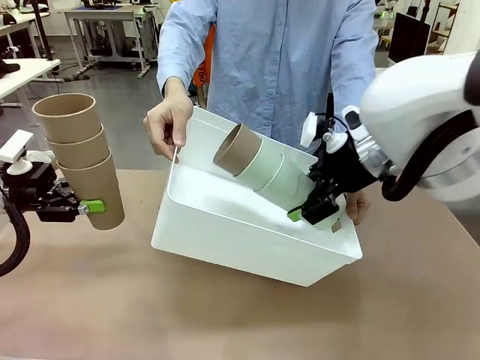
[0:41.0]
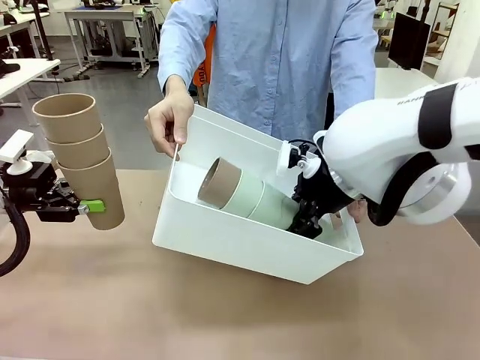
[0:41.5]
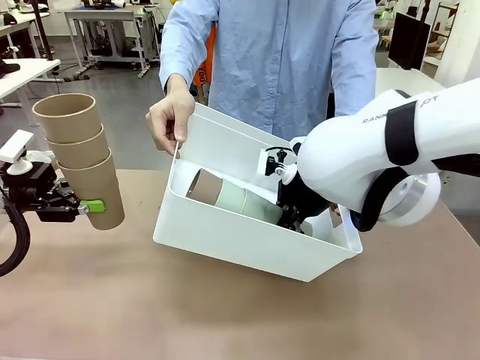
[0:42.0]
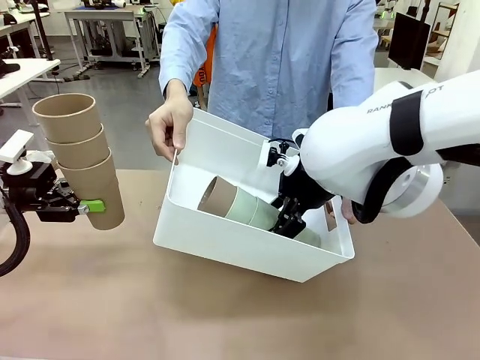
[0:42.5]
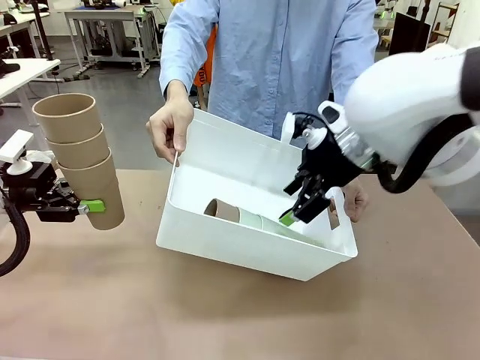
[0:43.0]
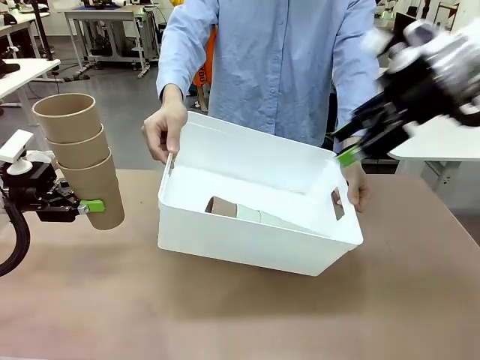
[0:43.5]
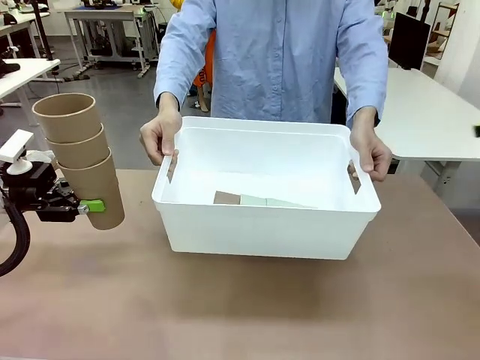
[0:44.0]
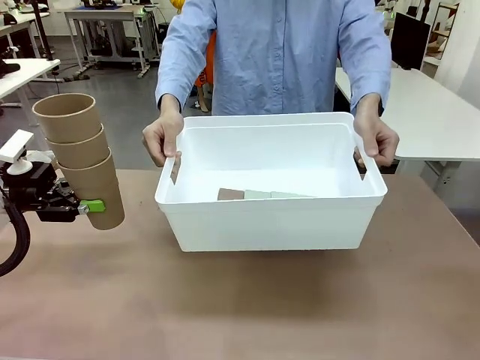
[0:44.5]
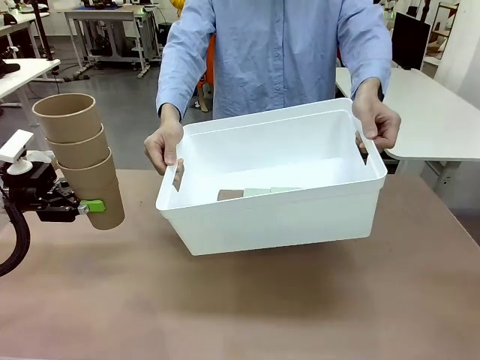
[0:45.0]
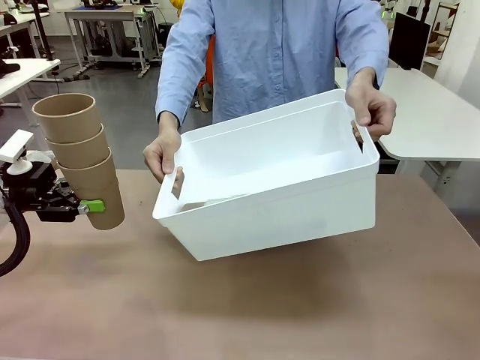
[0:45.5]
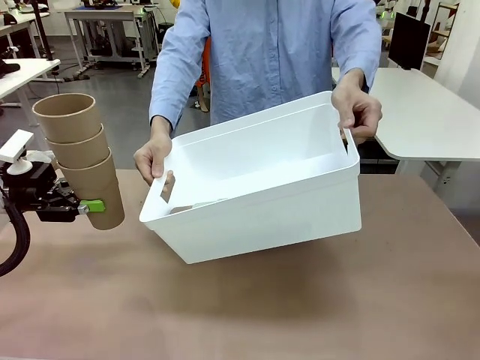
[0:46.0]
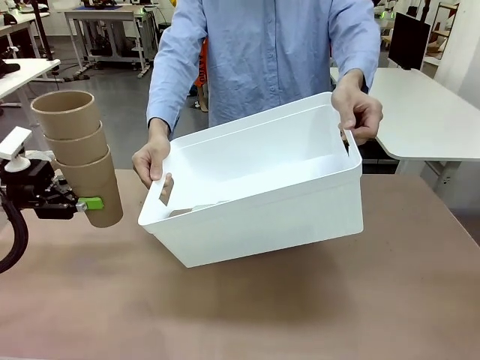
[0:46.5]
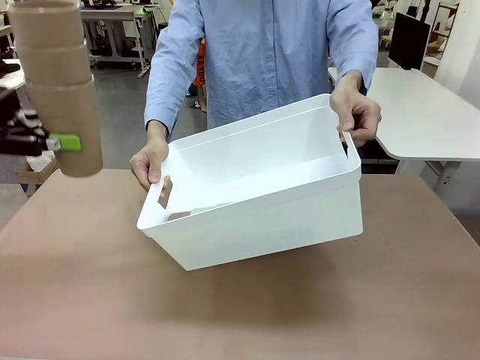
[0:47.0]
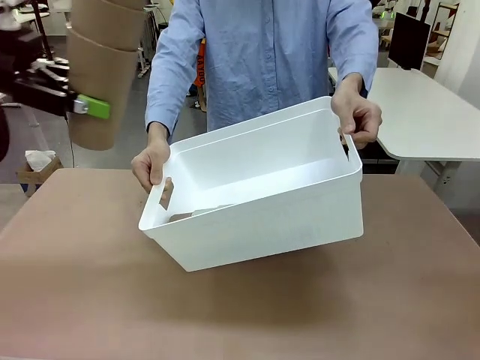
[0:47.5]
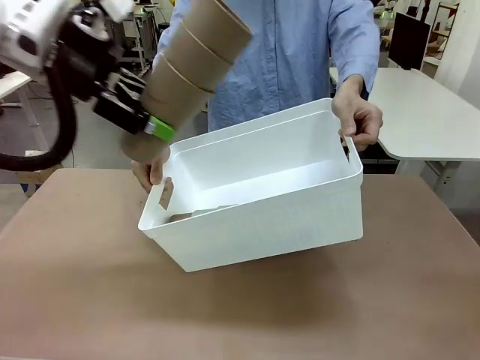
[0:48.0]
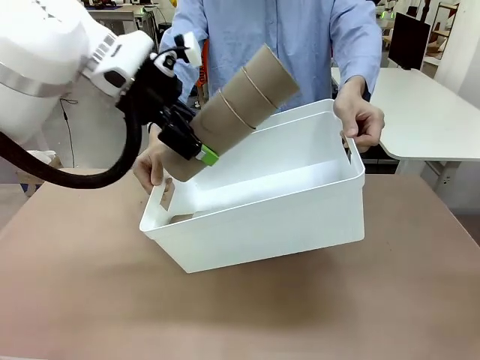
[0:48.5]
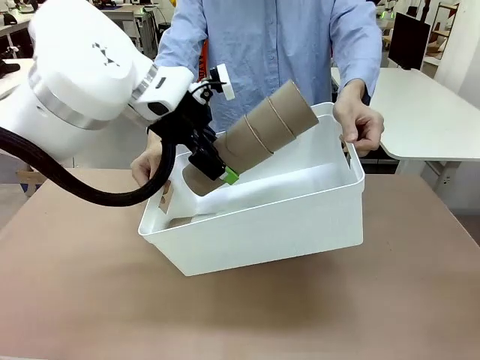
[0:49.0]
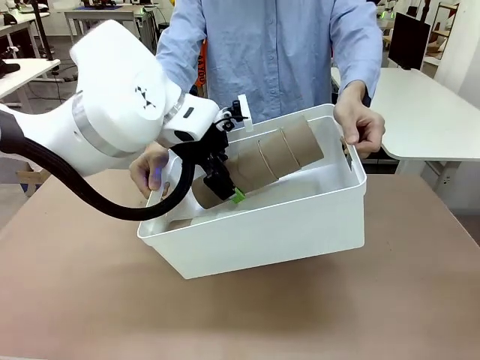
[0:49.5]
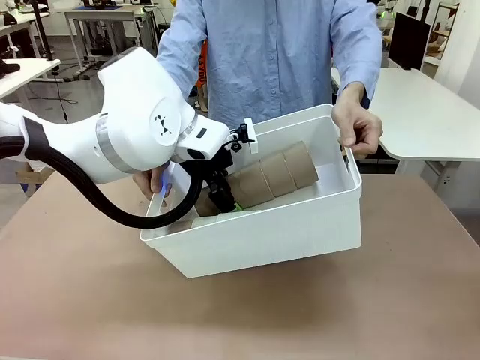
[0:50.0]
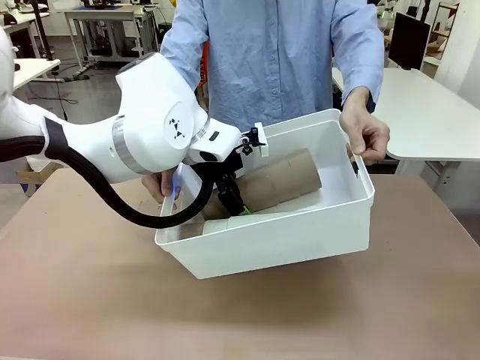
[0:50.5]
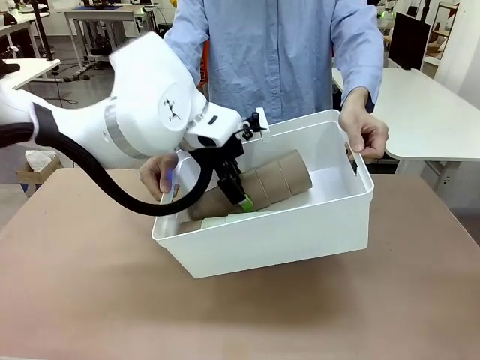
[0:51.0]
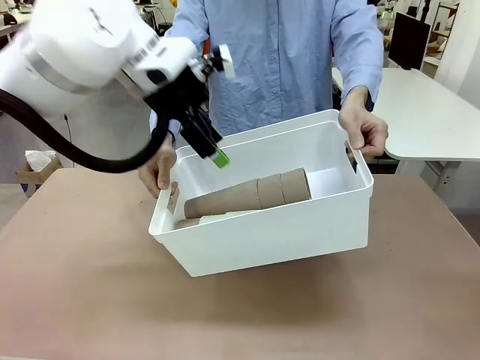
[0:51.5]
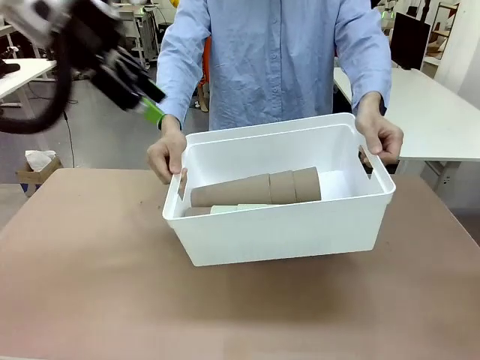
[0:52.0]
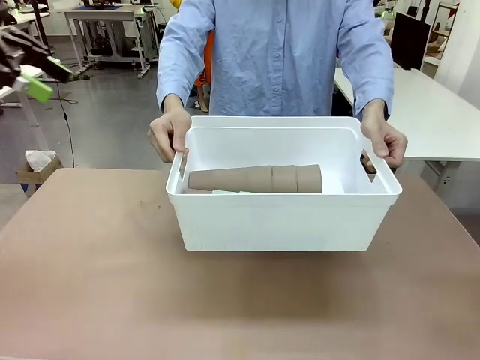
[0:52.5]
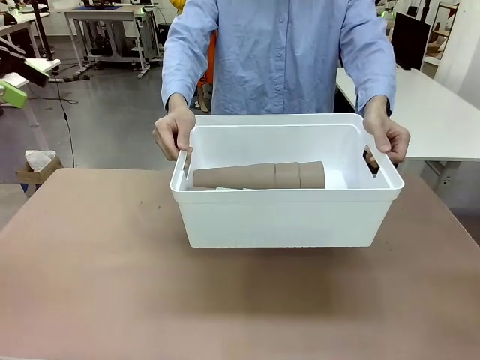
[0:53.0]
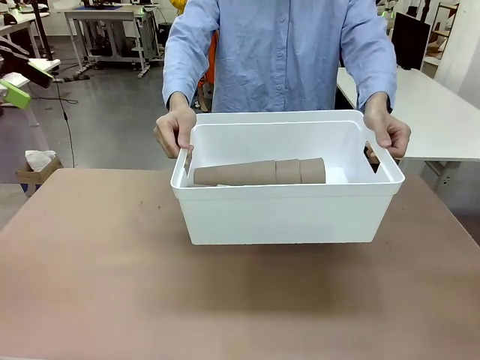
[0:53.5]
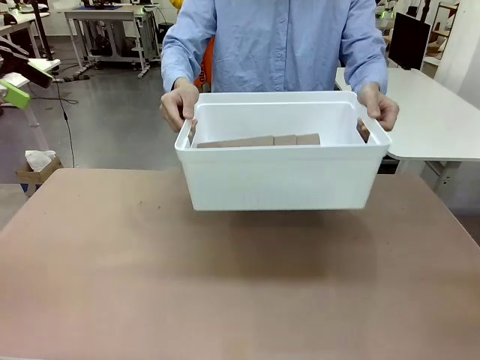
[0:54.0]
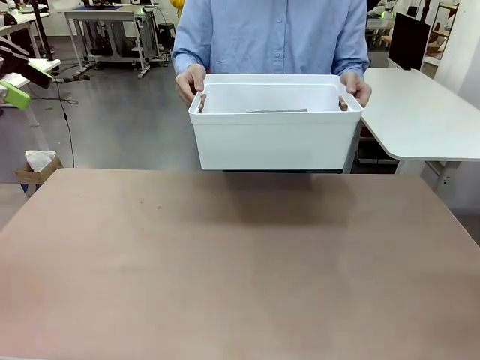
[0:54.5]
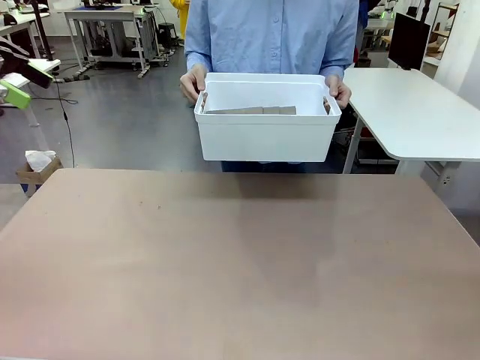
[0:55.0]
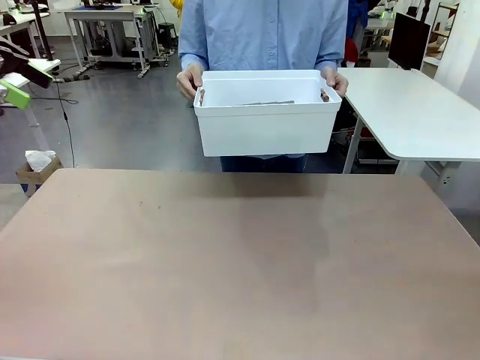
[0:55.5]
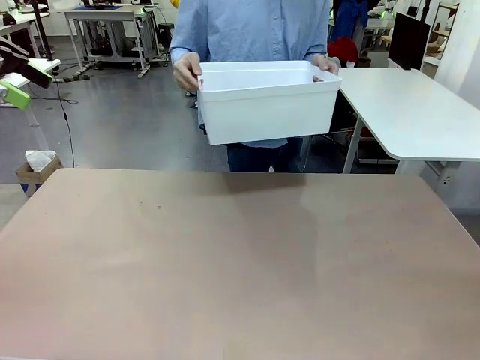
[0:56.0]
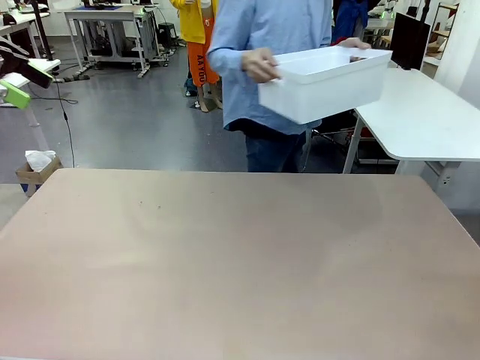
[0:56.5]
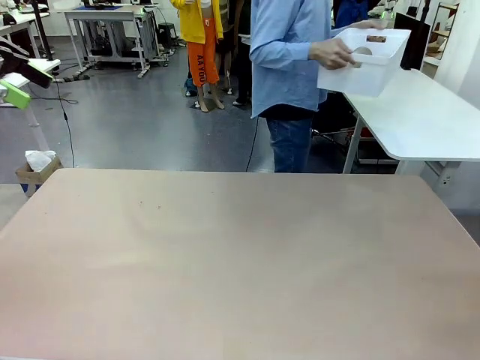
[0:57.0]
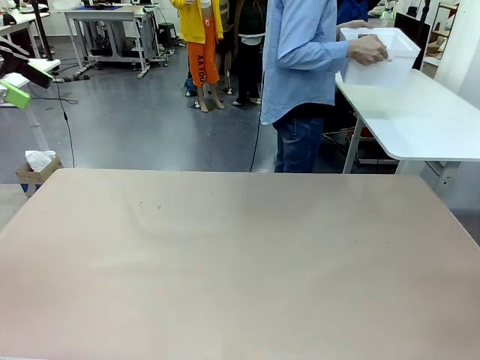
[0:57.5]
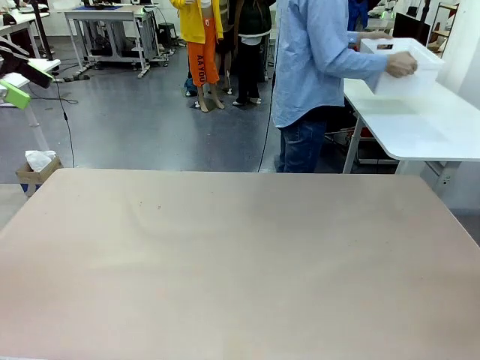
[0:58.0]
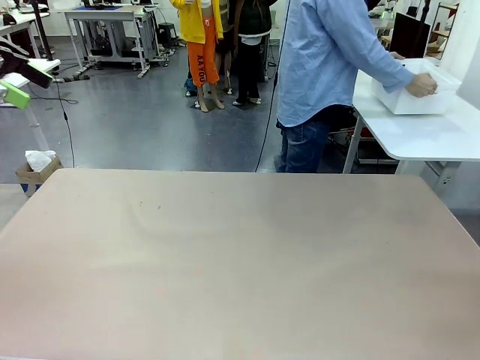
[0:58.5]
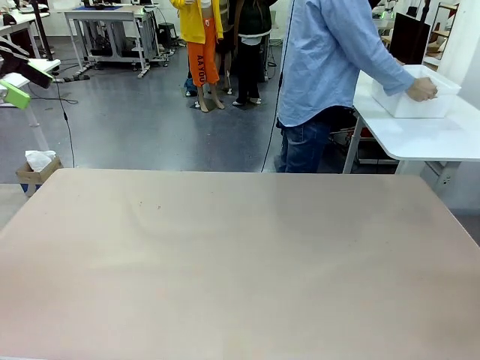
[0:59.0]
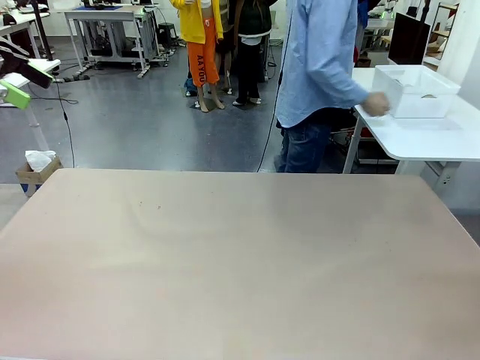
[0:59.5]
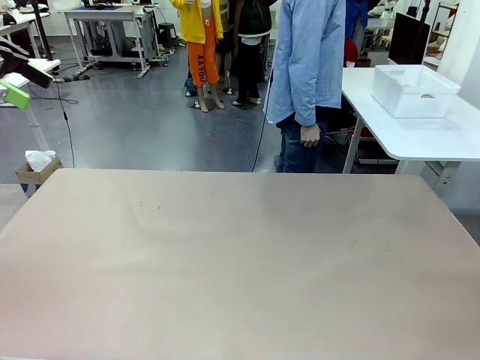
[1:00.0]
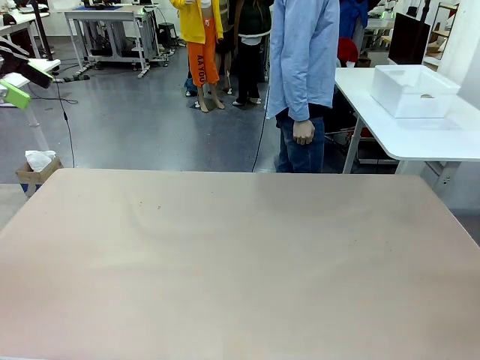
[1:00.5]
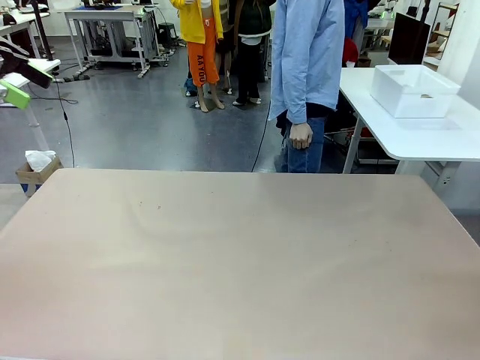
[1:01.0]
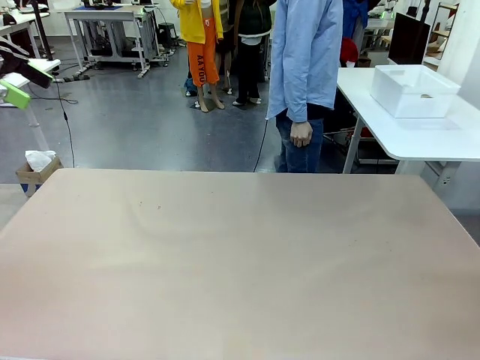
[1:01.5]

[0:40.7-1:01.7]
Task: Stack the cups and store them in the basket.
Robot: Place the stack of Reusable plastic cups into the Pantry Basket.
Person: Place the basket containing the cups in the middle of the Human Table.

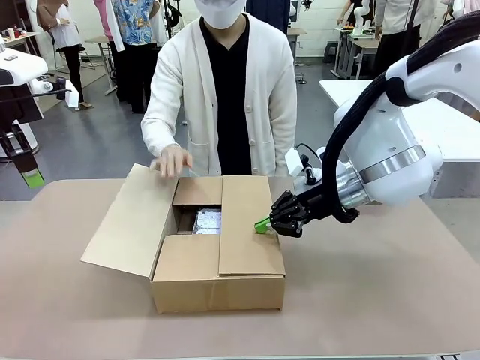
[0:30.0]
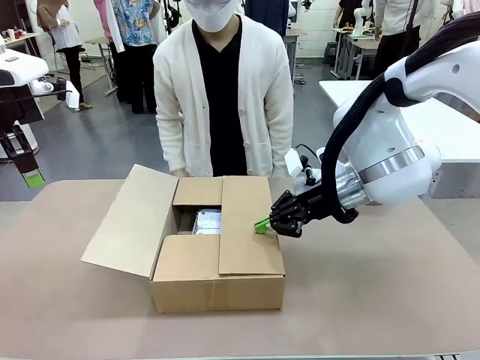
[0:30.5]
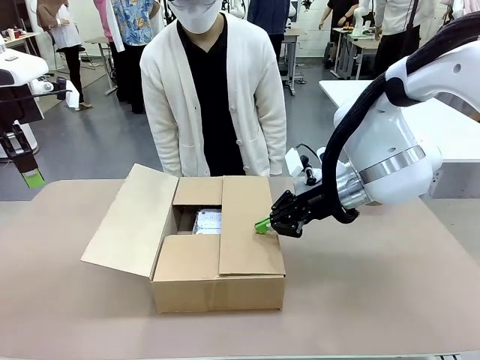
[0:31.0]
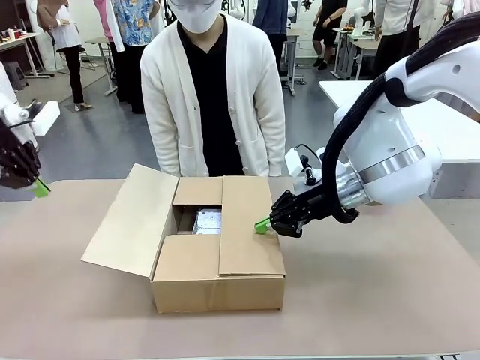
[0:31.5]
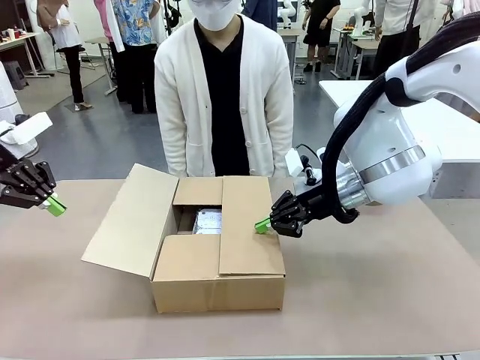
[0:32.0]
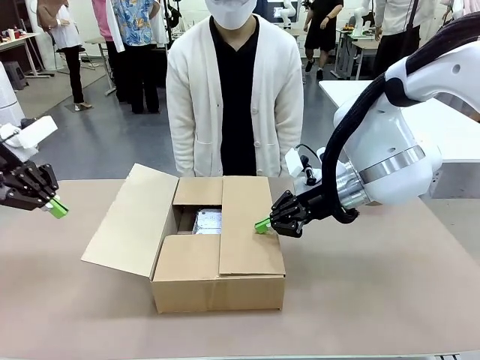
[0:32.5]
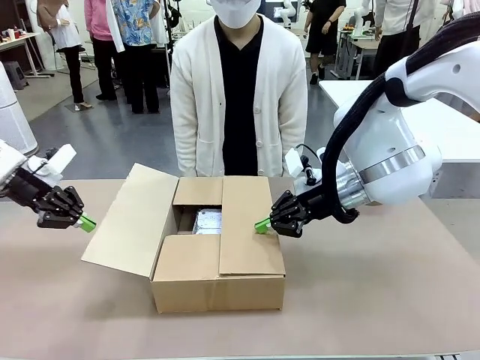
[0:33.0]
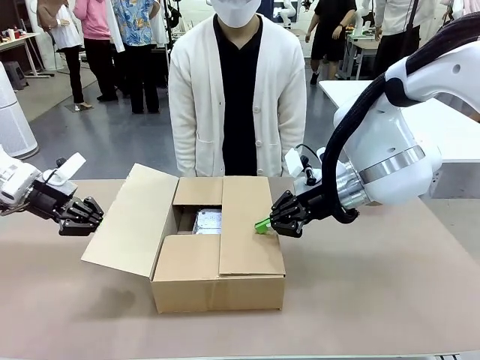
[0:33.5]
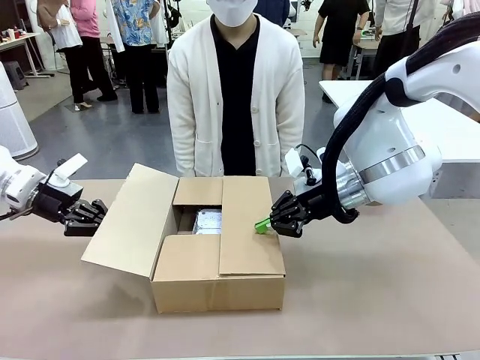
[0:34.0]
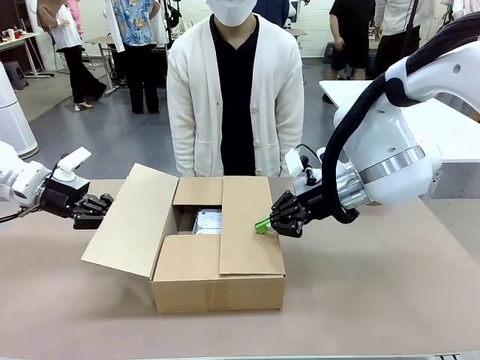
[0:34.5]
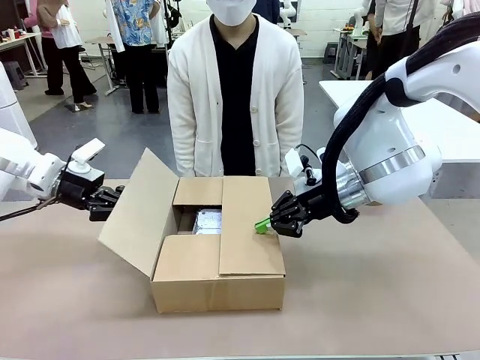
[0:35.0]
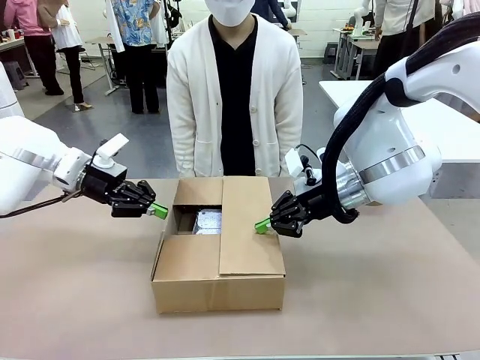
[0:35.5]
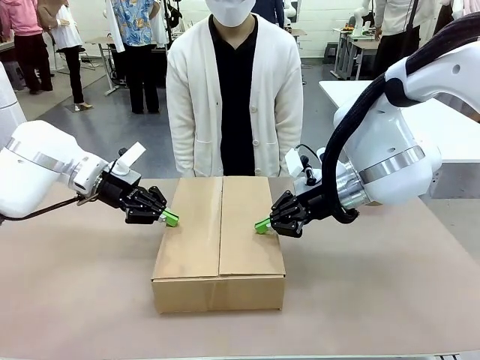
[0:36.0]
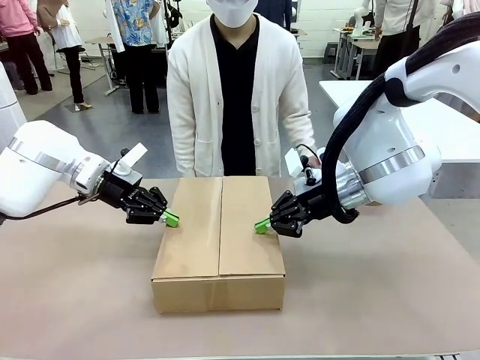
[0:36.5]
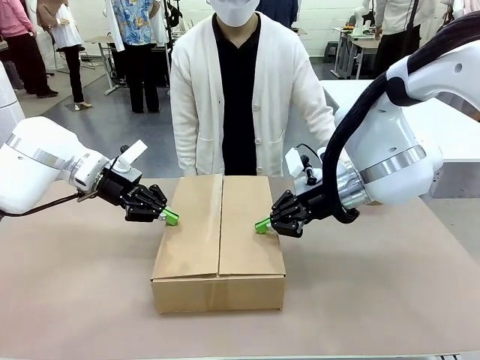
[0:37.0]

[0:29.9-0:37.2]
Task: Wrap the clocks to prevent damage.
Robot: Push the left (or right) flap of the Package Box to close it.
